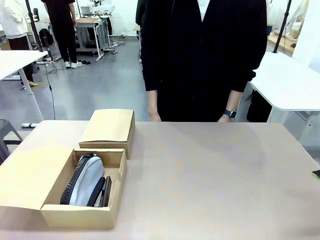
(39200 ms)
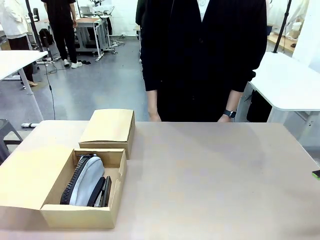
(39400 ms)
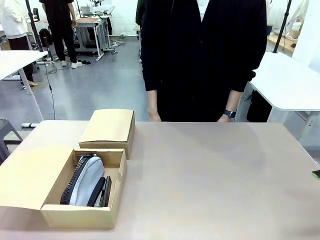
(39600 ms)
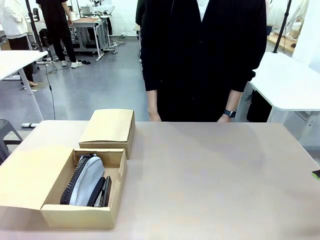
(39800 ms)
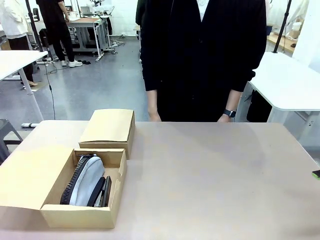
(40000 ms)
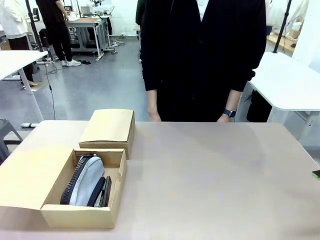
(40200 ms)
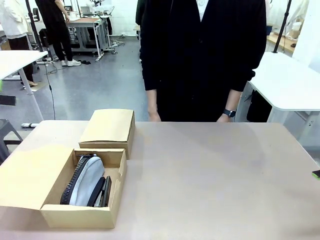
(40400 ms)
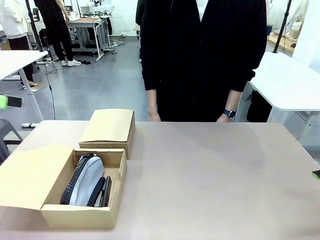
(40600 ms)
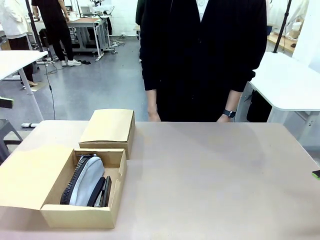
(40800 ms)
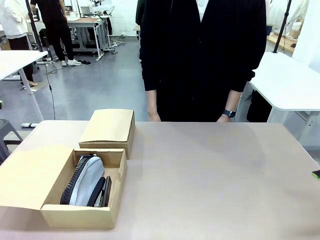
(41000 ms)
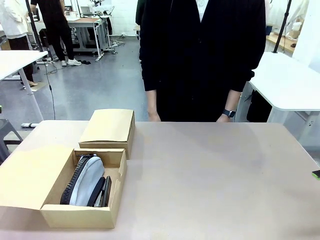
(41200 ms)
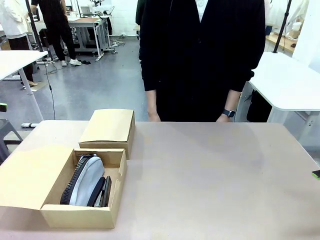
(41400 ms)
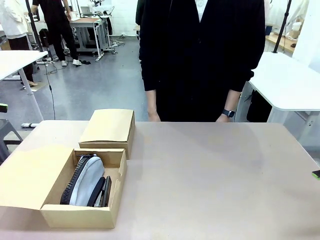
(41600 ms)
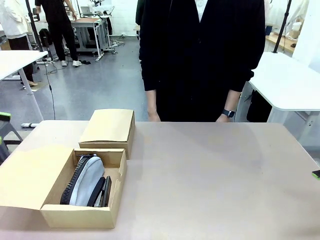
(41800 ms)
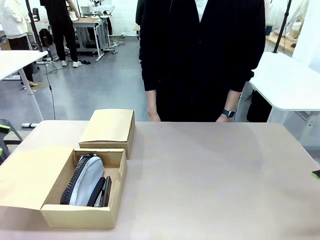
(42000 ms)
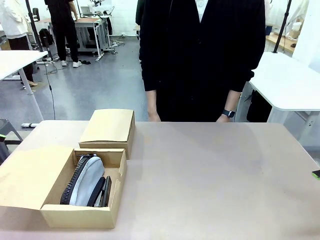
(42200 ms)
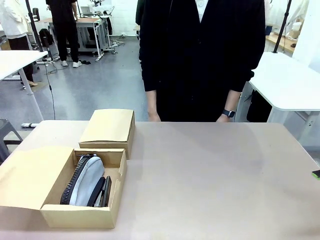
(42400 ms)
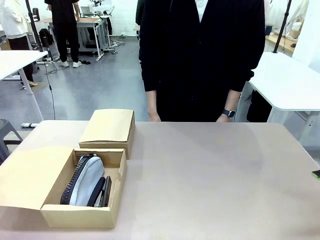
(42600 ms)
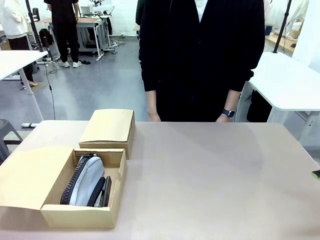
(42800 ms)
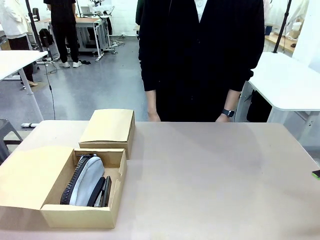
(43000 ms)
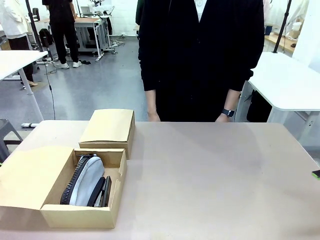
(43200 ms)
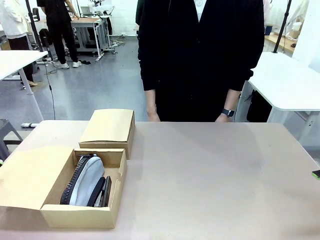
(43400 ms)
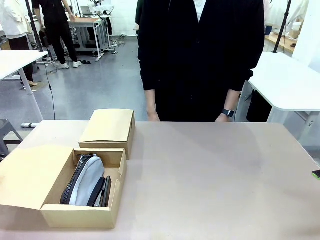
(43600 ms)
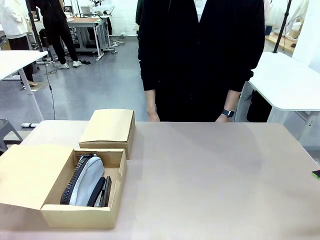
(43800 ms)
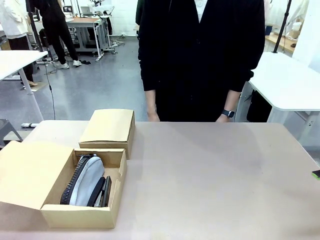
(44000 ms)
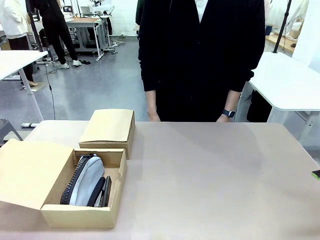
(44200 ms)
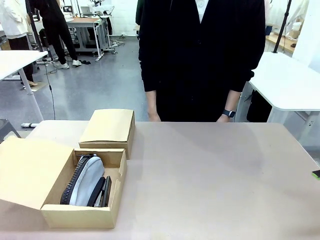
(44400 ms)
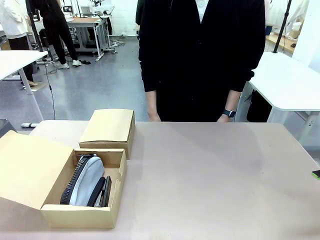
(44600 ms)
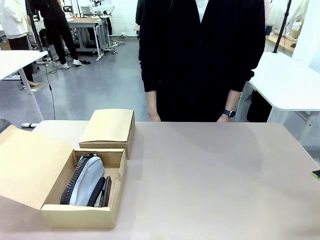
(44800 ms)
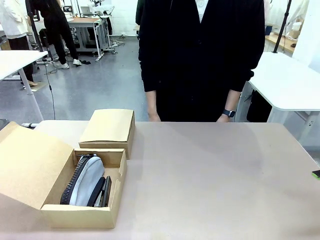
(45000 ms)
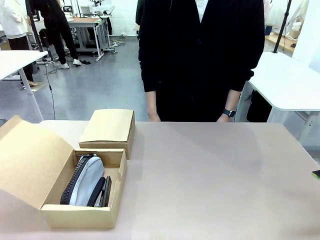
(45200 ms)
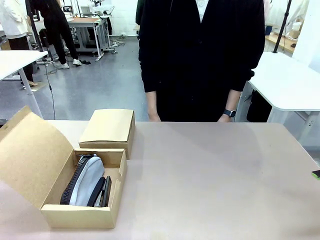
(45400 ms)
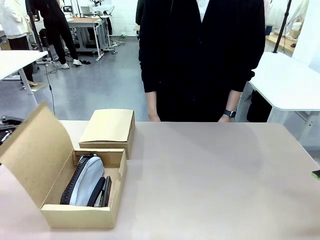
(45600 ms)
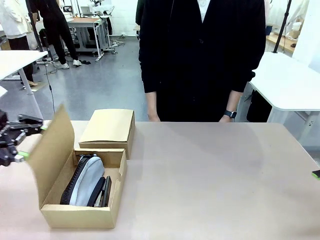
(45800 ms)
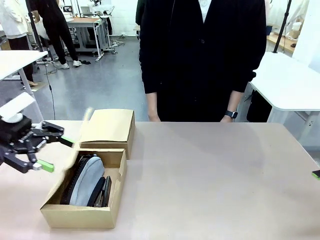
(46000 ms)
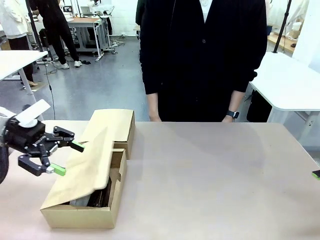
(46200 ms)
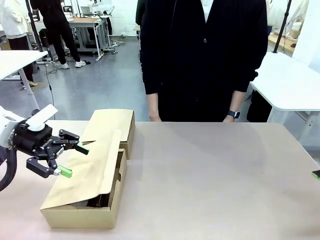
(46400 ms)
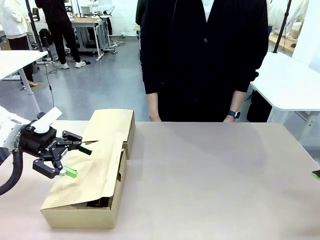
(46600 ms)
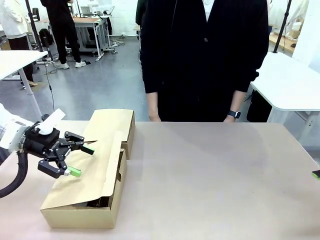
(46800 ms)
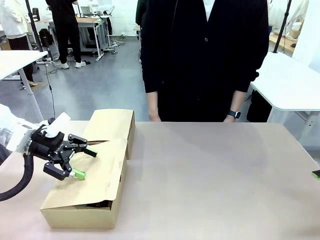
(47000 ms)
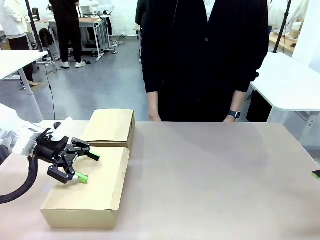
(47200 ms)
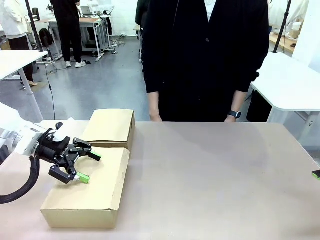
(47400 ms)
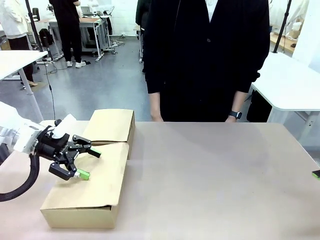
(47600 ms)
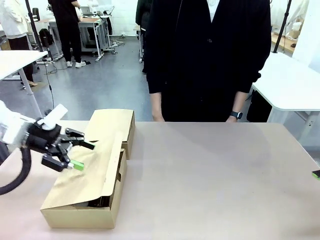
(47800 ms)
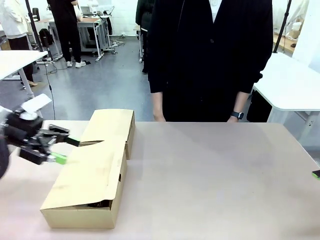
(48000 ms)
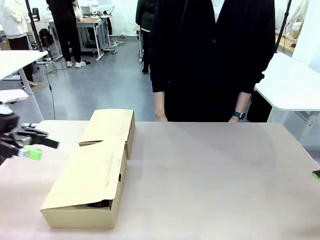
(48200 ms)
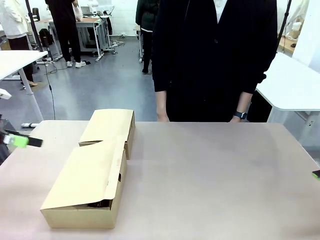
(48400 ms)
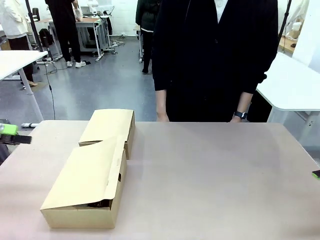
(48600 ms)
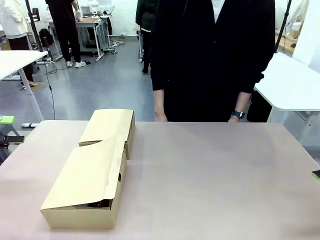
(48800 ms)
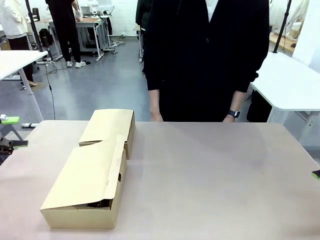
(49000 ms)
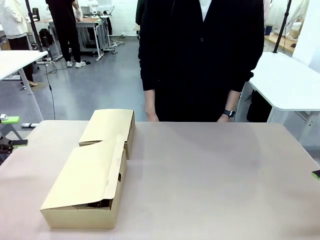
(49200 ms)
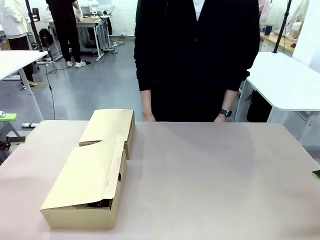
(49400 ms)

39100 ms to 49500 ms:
Task: Place items inside the box.
Robot: Close the lid of the Mailer Box closest to the robot.

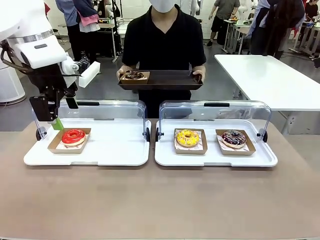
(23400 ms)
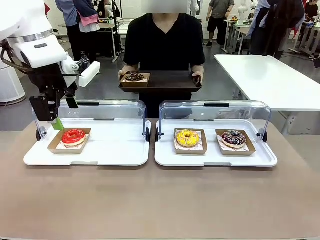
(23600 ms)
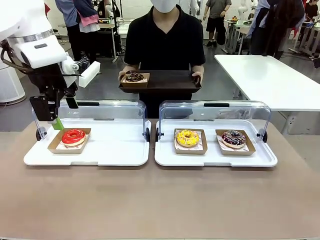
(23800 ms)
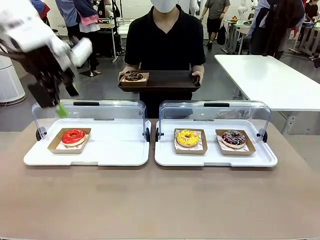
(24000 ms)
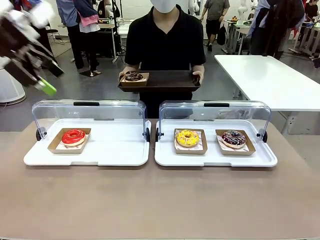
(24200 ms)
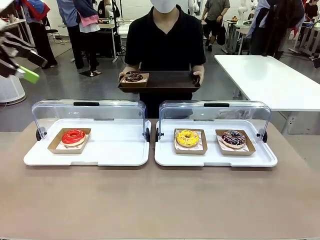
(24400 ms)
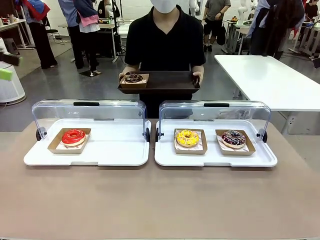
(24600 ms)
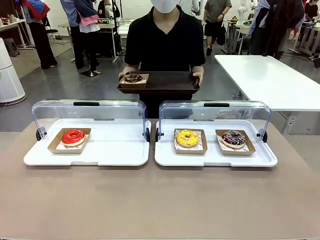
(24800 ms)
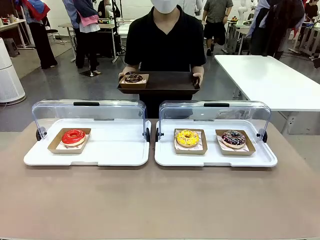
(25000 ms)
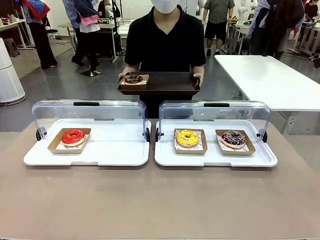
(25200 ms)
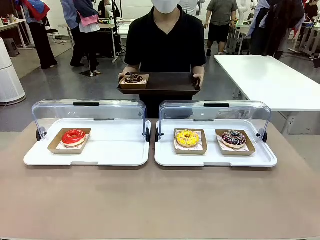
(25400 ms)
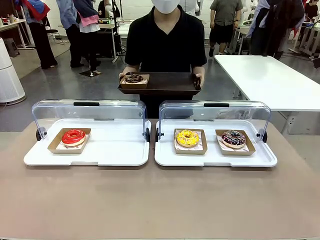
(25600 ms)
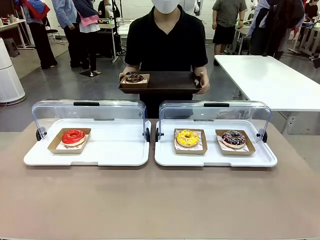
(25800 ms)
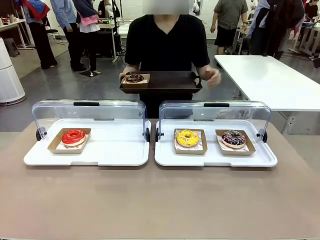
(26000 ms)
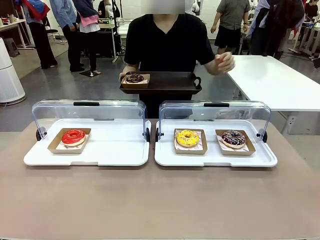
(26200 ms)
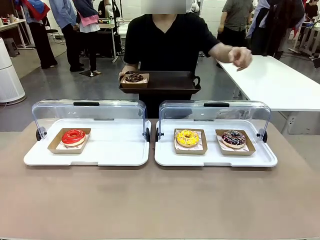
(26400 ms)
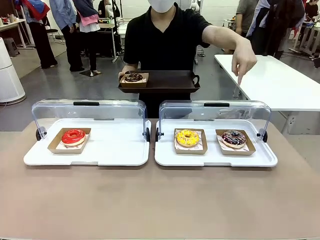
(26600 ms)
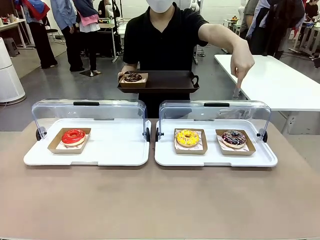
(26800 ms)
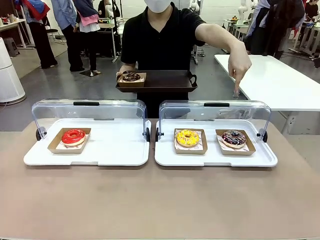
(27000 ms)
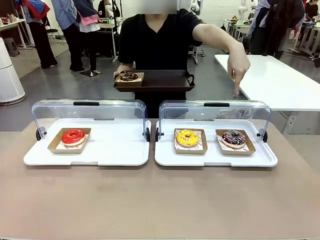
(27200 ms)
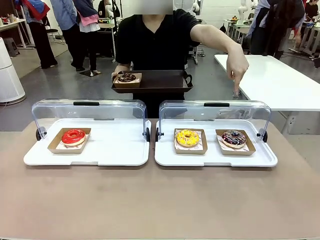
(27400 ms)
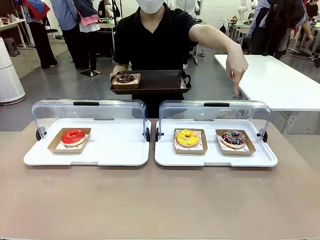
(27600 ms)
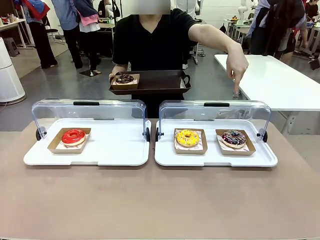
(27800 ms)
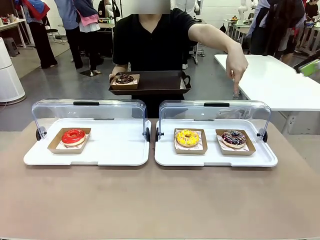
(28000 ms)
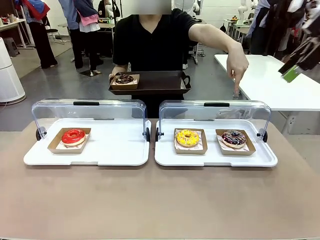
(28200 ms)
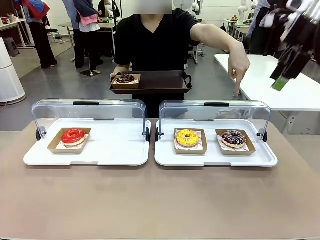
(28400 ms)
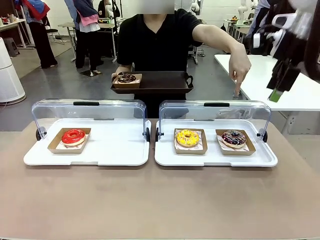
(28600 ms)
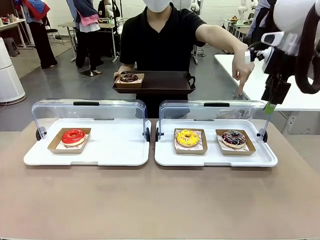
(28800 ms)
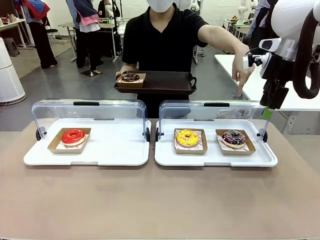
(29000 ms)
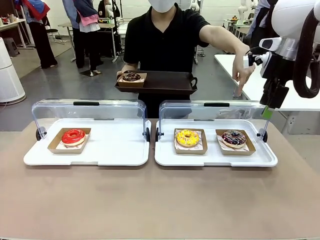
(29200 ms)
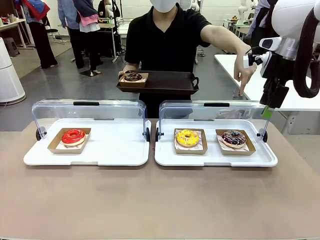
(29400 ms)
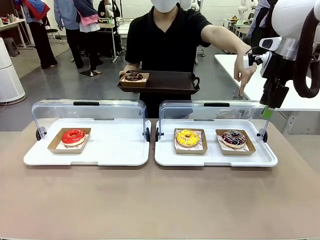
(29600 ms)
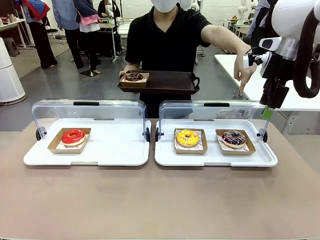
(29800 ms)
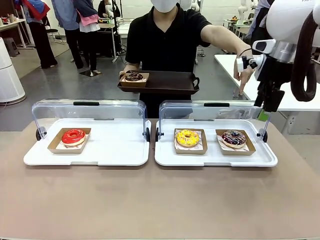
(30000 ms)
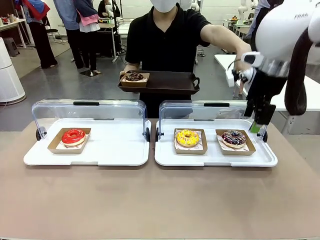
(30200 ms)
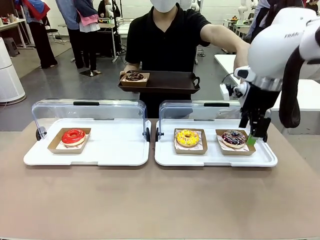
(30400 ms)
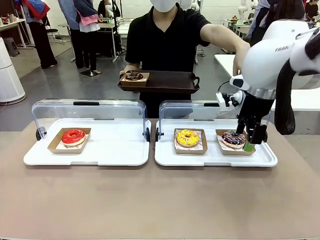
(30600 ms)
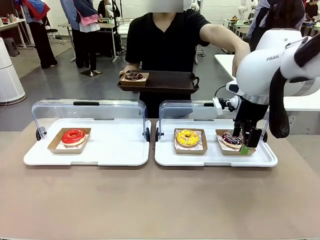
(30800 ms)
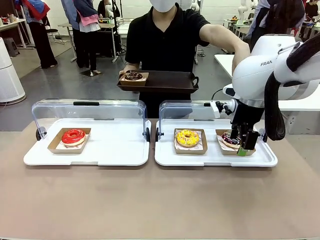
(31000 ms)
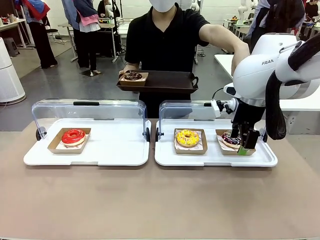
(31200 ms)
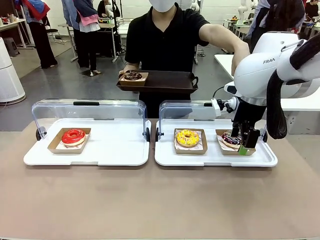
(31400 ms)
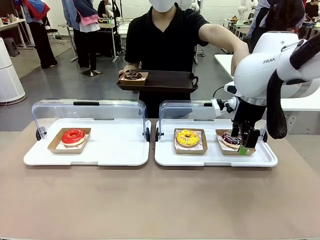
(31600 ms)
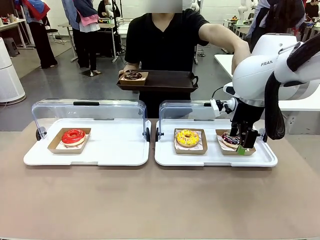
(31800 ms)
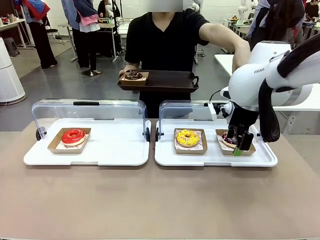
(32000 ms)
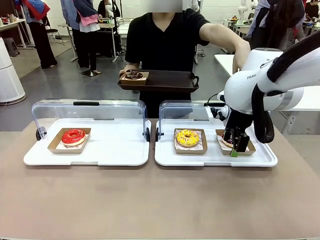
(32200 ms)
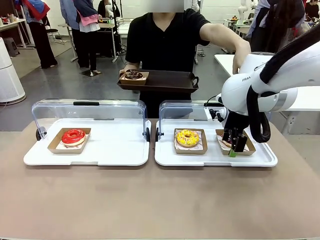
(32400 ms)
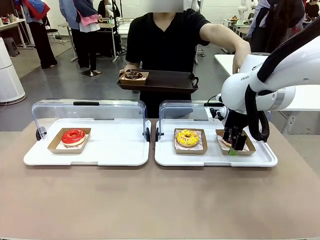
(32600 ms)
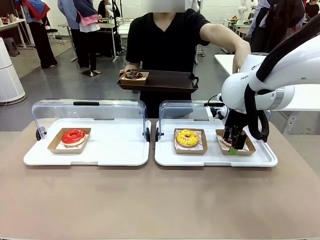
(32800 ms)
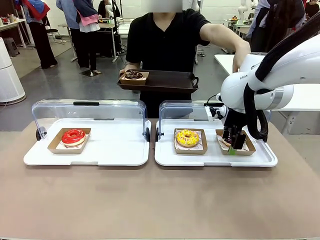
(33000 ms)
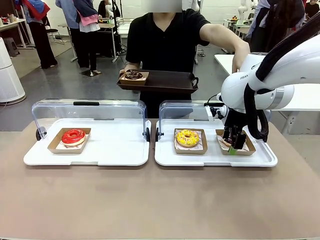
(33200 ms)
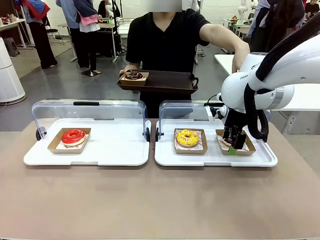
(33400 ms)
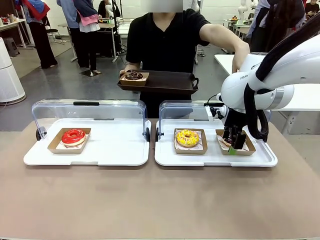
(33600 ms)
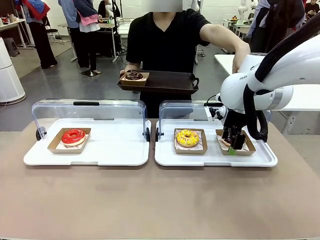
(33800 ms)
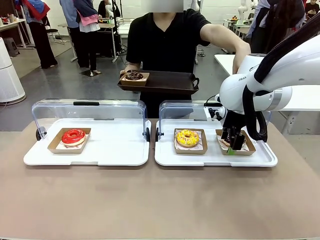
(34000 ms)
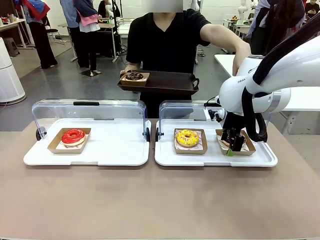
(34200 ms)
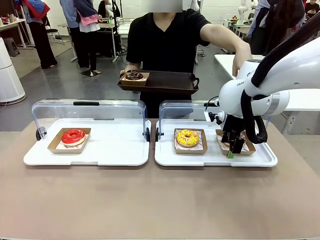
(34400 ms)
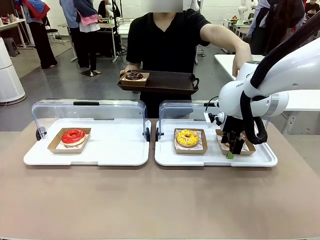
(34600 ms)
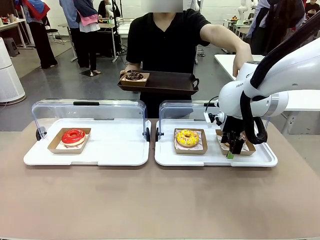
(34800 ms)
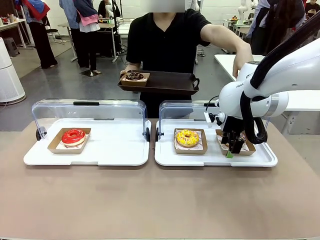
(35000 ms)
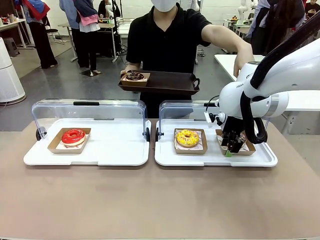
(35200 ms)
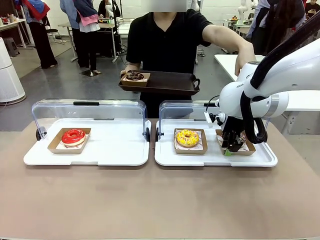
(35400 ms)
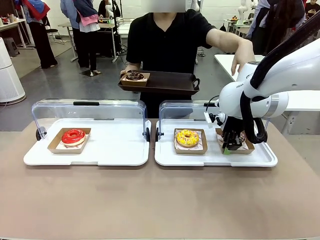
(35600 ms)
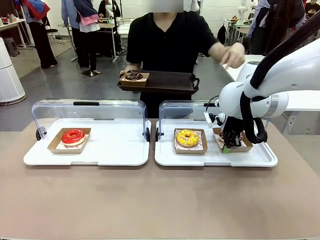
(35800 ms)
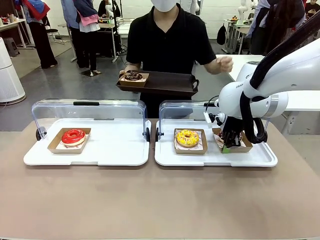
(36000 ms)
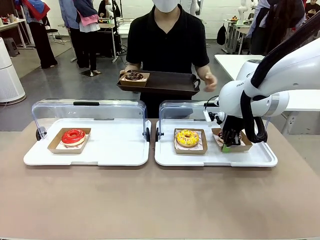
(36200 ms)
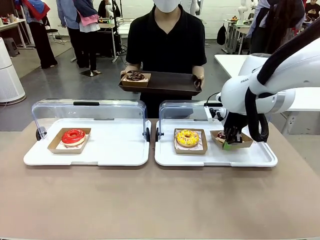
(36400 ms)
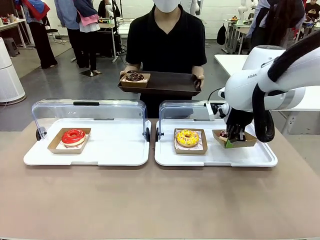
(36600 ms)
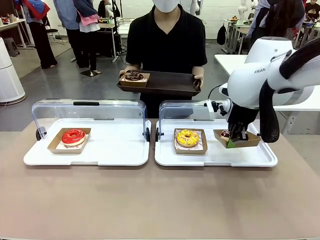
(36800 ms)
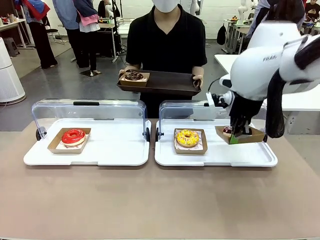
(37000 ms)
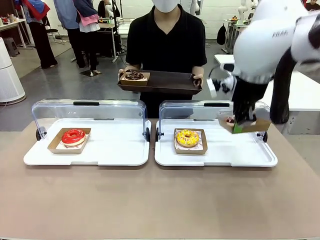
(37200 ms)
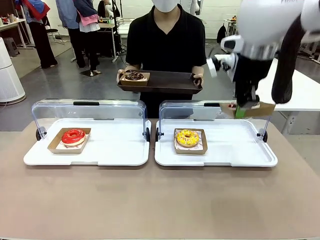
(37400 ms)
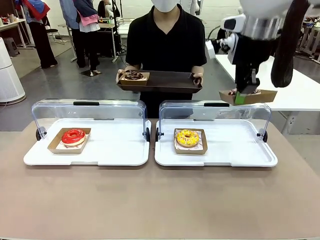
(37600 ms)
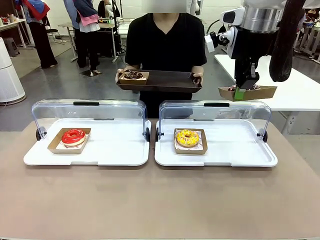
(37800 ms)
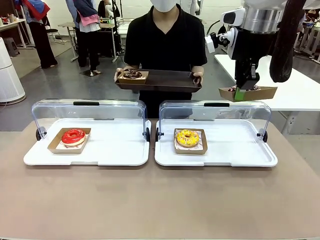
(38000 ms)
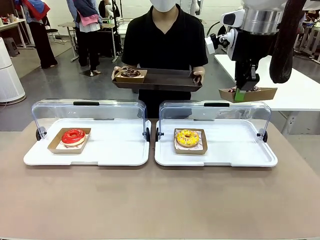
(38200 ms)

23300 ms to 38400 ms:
Task: Provide the desired donut to the person.
Robot: Pick up and lift the Paper togo box containing the Donut pointed at by the person.
Person: Point to one donut. Lift the tray onto the Roll-Top Bakery Case.
